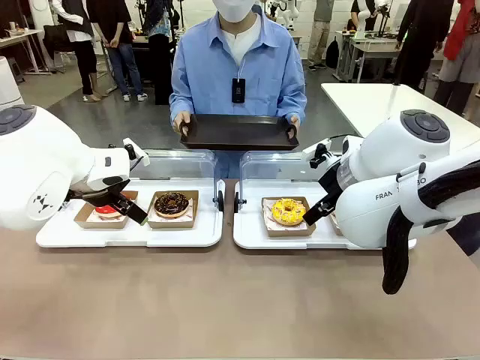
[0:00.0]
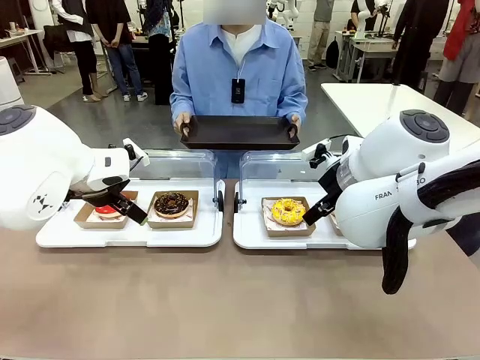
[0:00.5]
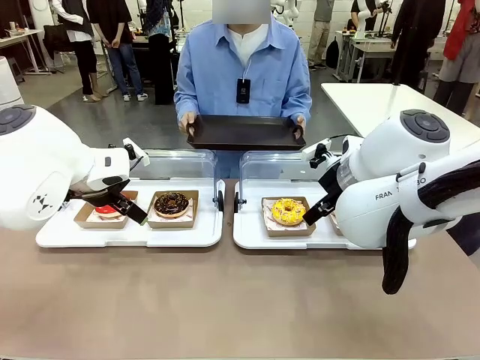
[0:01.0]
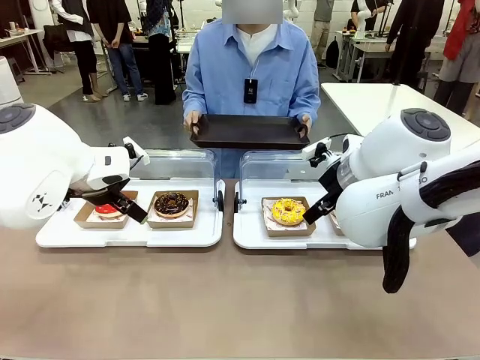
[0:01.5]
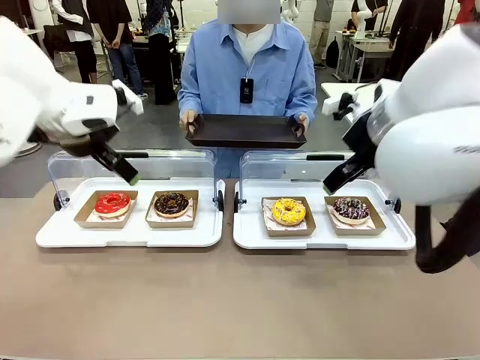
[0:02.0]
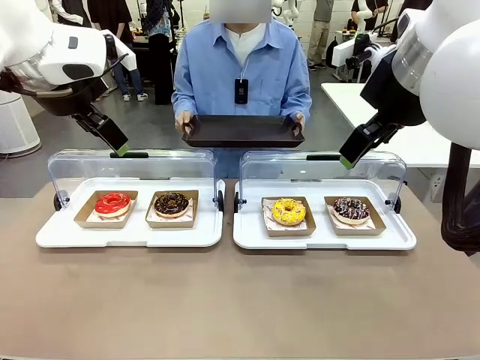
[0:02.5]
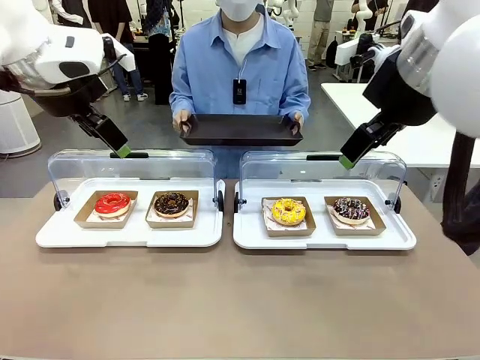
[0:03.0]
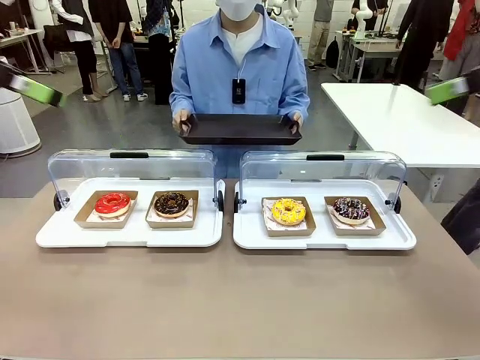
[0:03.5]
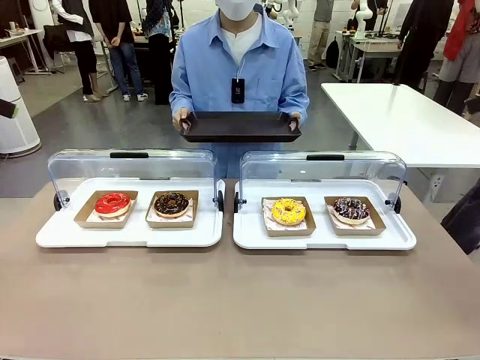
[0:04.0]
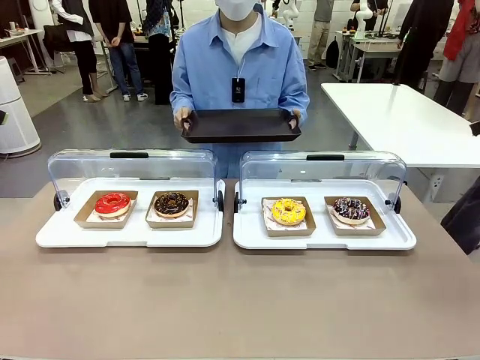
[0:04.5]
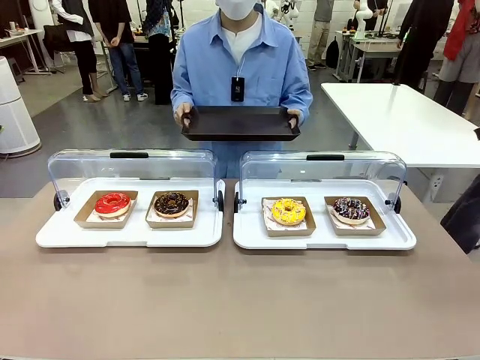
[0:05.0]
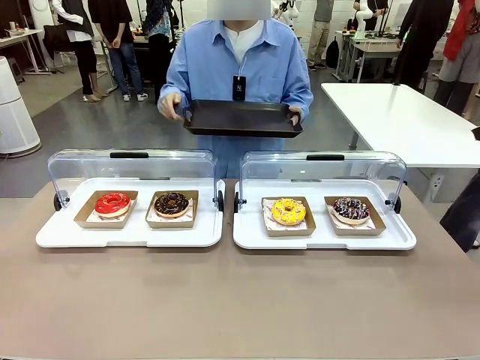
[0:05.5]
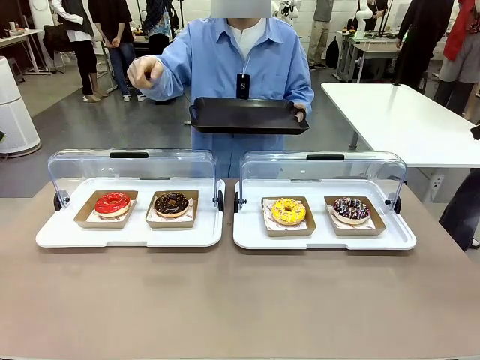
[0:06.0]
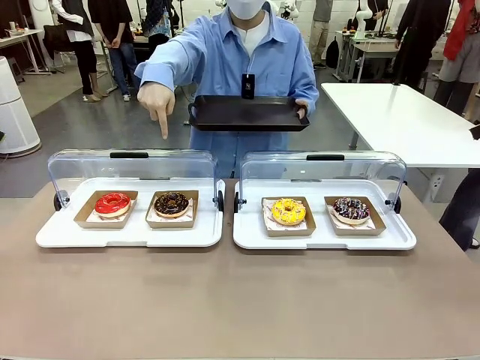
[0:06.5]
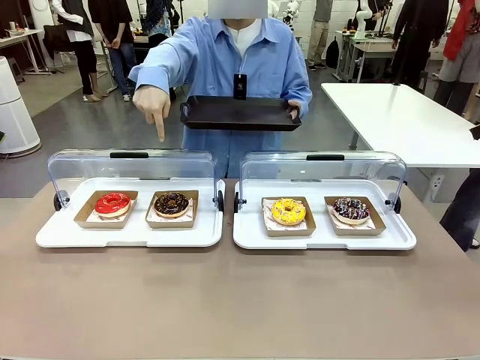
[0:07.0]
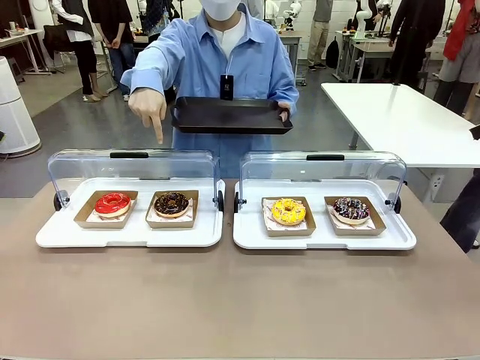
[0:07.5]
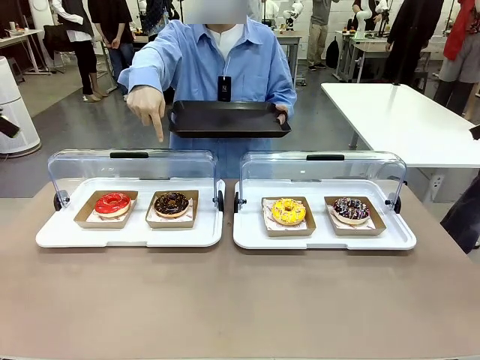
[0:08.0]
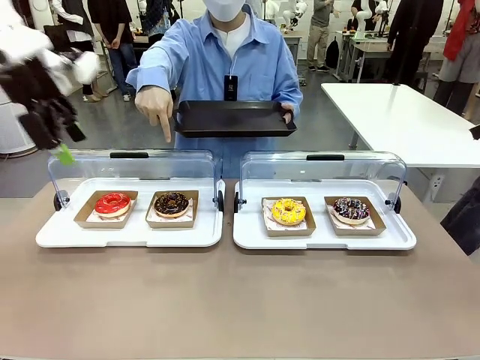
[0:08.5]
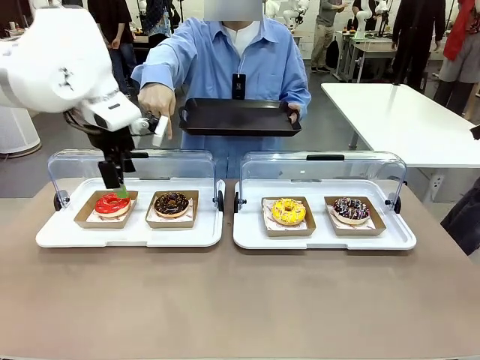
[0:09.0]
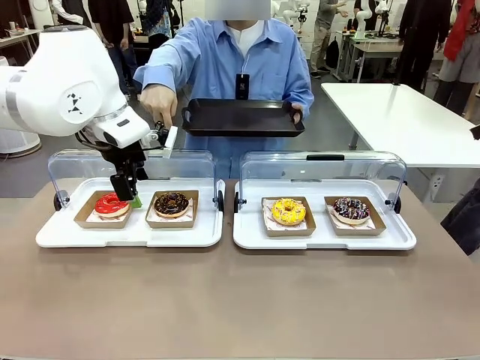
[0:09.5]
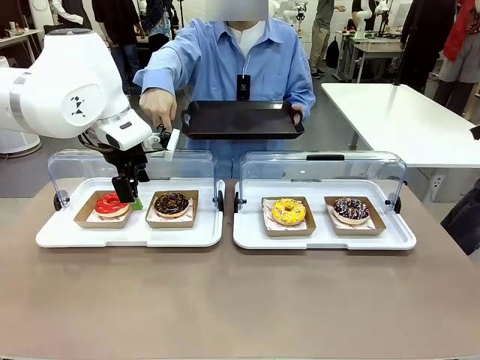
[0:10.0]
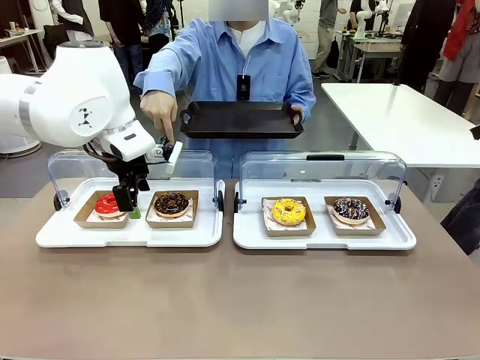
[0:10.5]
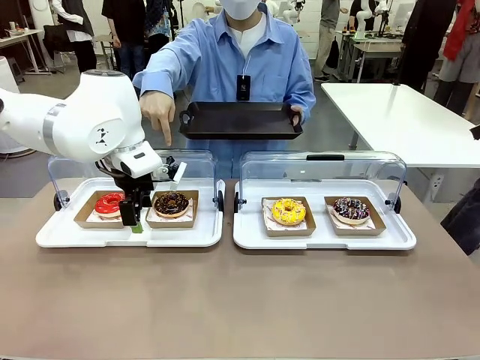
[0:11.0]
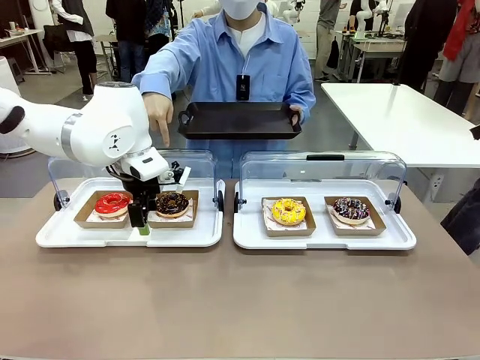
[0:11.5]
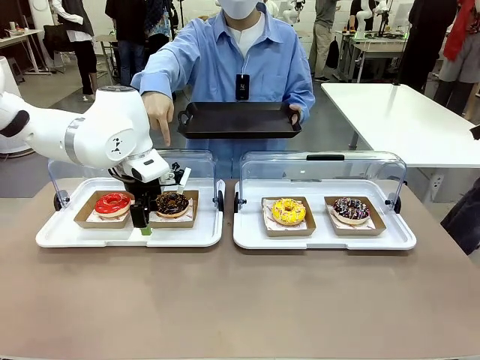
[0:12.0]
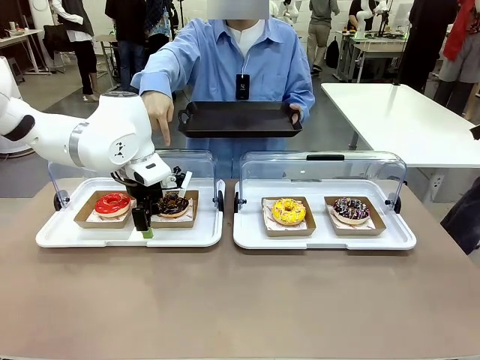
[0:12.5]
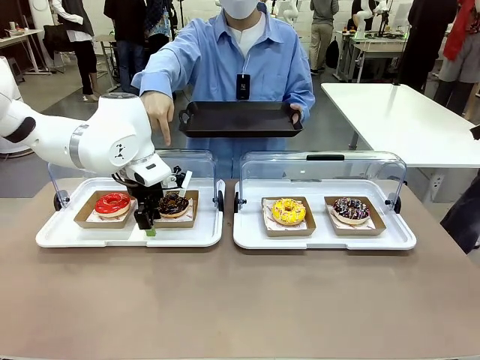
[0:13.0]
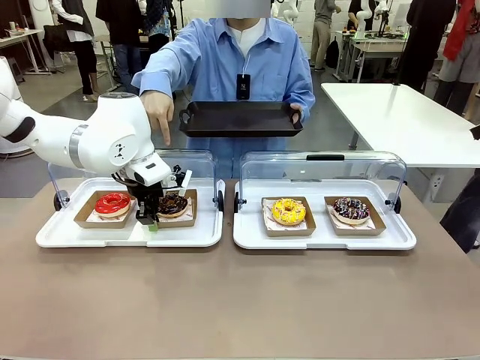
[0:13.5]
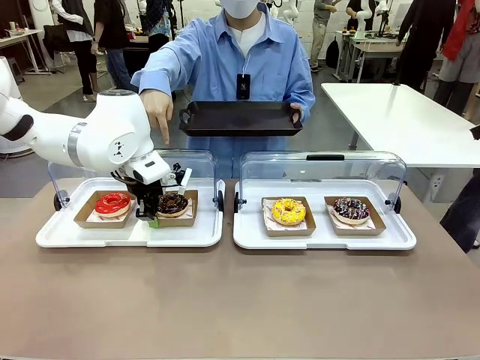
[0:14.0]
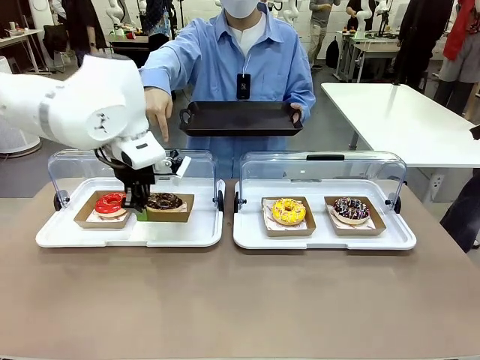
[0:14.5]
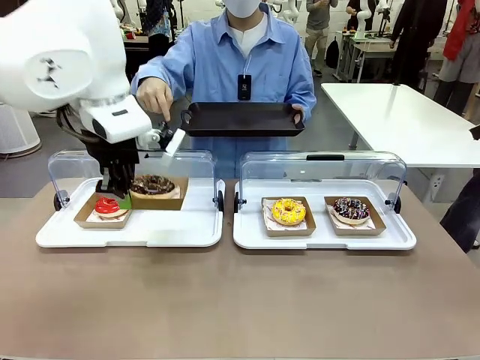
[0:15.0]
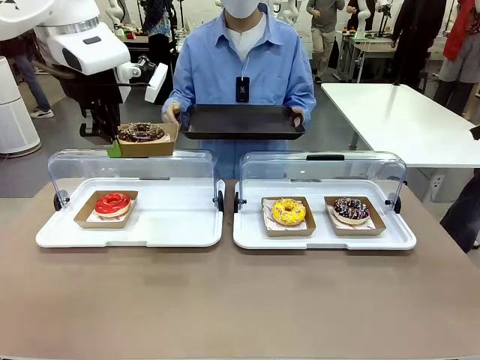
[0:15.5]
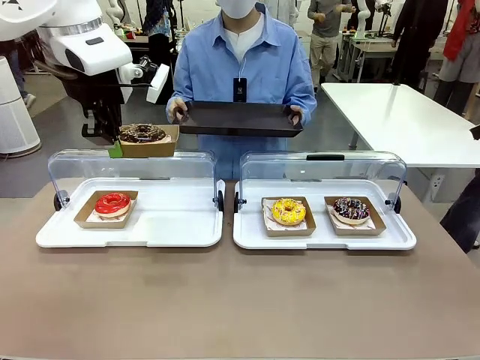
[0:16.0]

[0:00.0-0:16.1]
Task: Provide the desired donut to the person.
Robot: Pick up and lift the Paper togo box containing the Donut pointed at by the person.
Person: Point to one donut. Lift the tray onto the Roll-Top Bakery Case.

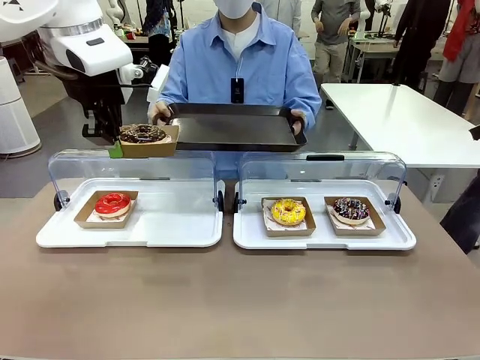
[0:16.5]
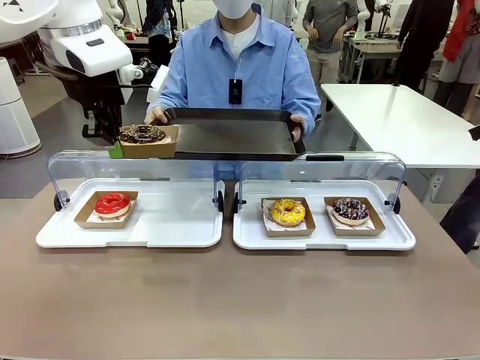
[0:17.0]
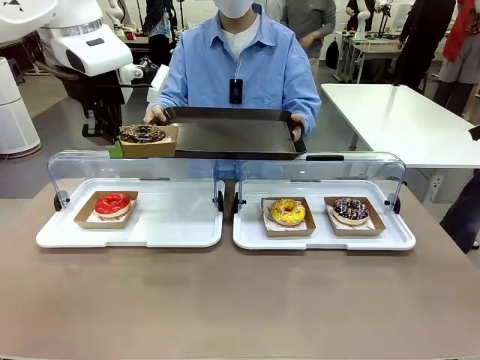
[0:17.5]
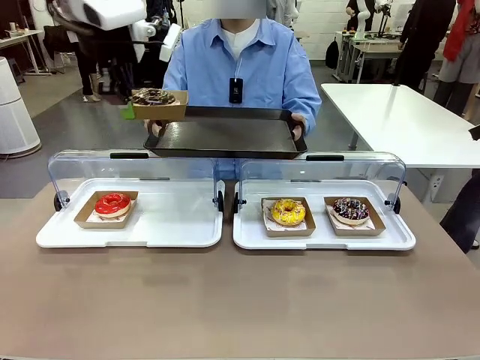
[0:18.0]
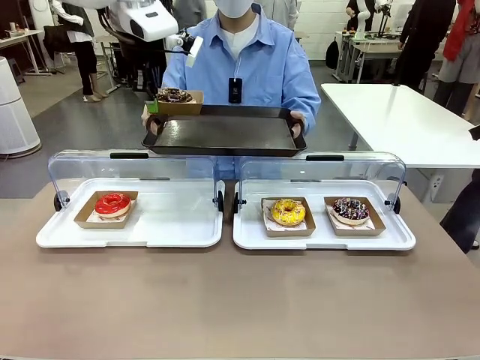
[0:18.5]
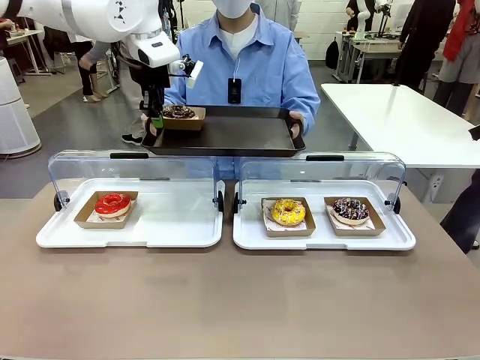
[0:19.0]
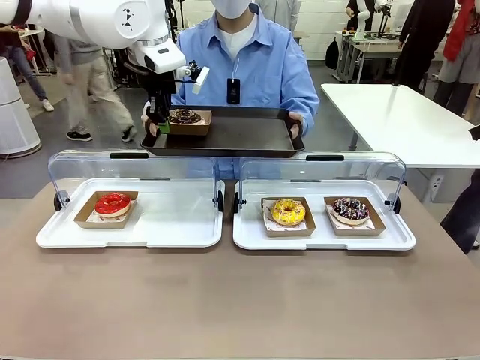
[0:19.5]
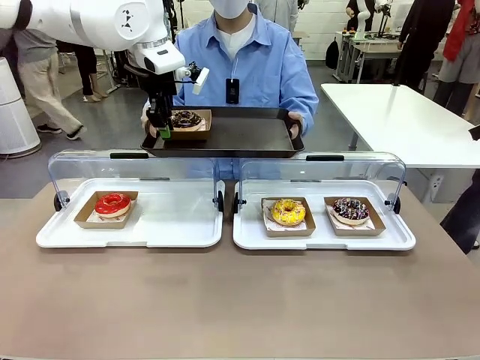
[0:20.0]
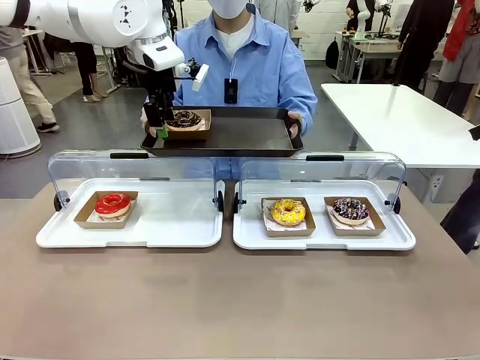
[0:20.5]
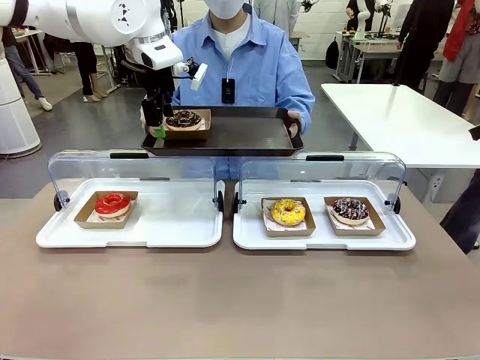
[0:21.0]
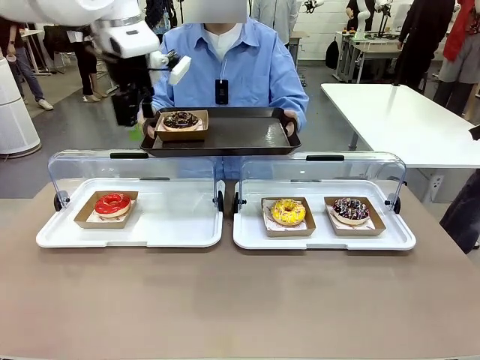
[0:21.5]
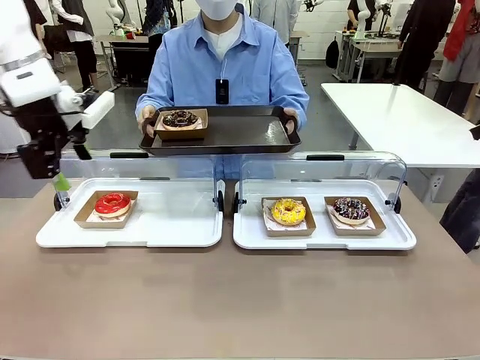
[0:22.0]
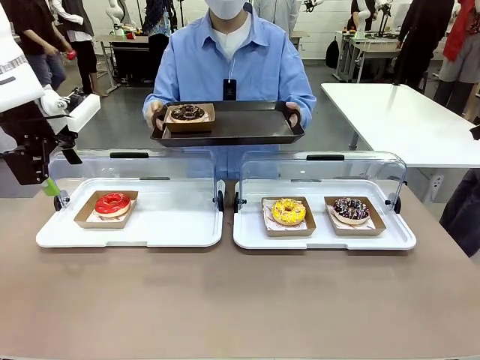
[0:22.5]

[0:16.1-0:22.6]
Robot: Place the picked Paper togo box onto the Handle tray extended by the person.
